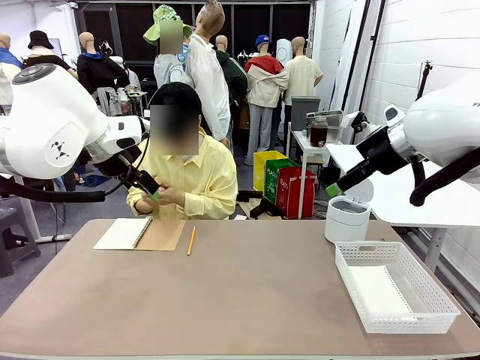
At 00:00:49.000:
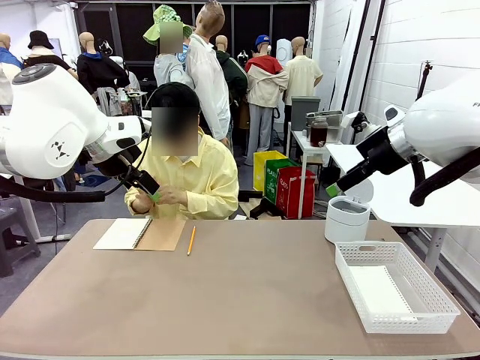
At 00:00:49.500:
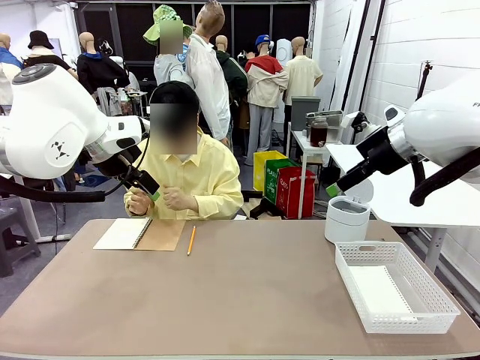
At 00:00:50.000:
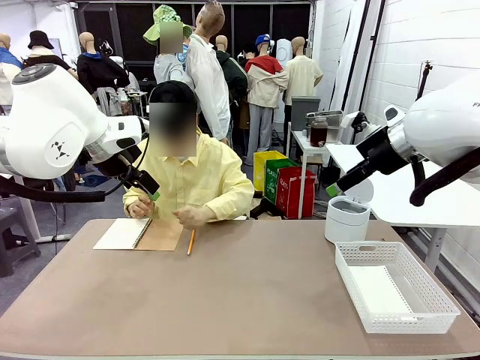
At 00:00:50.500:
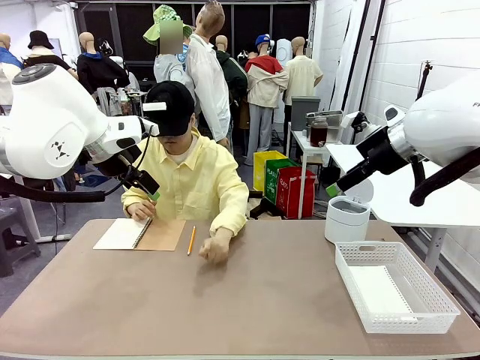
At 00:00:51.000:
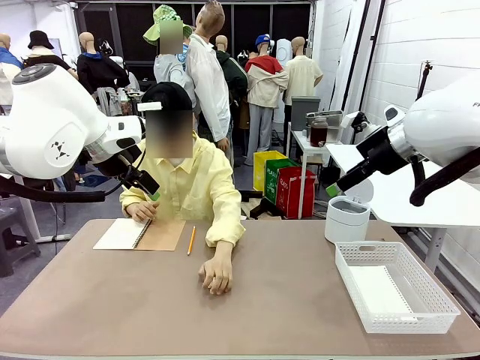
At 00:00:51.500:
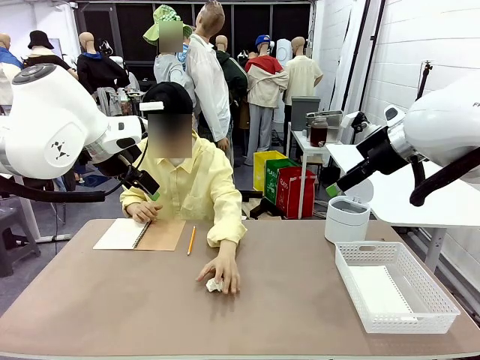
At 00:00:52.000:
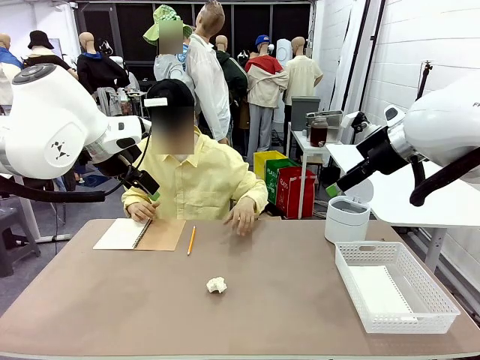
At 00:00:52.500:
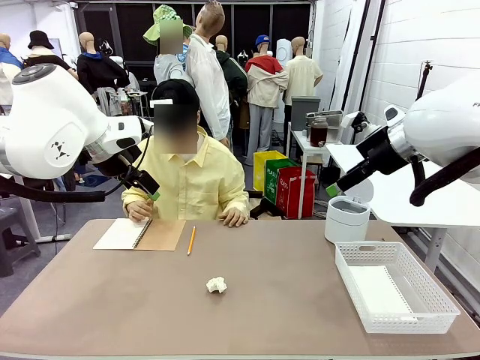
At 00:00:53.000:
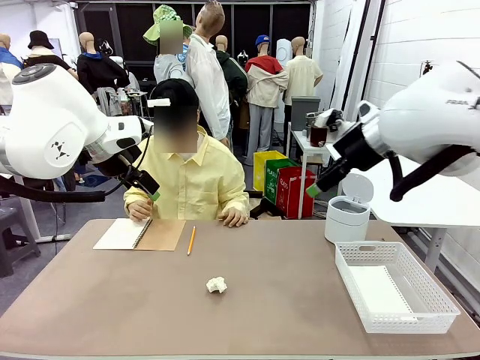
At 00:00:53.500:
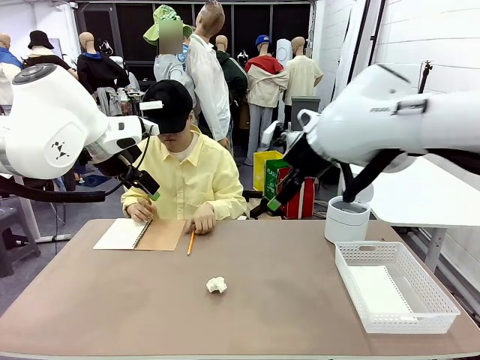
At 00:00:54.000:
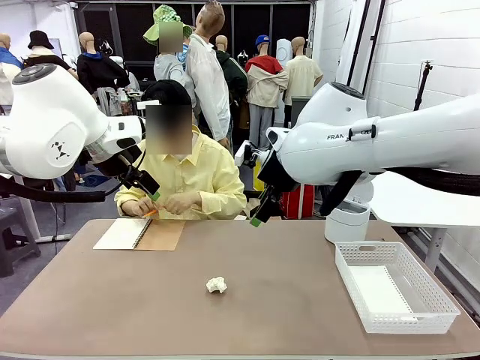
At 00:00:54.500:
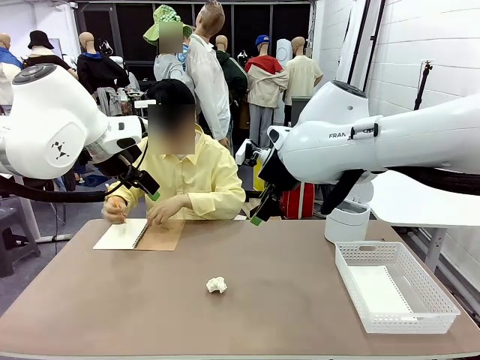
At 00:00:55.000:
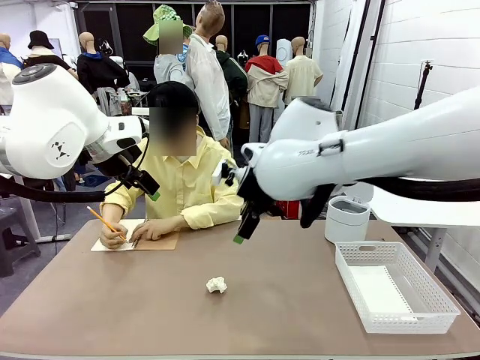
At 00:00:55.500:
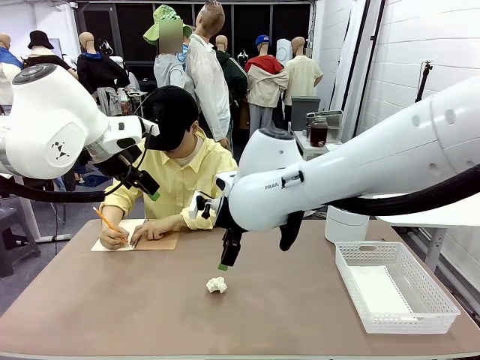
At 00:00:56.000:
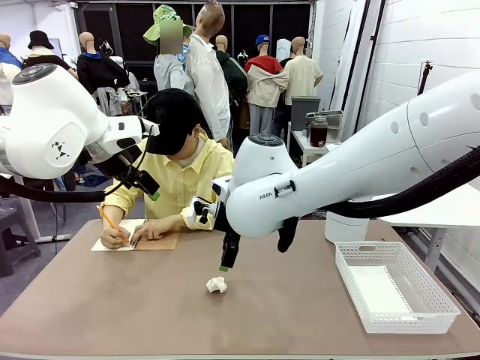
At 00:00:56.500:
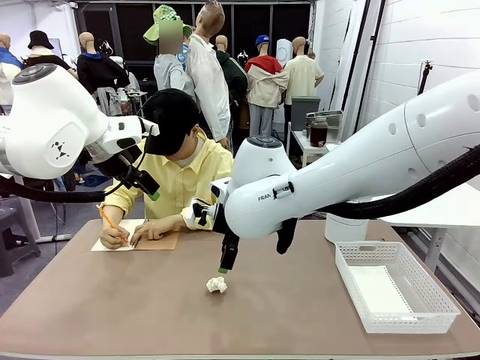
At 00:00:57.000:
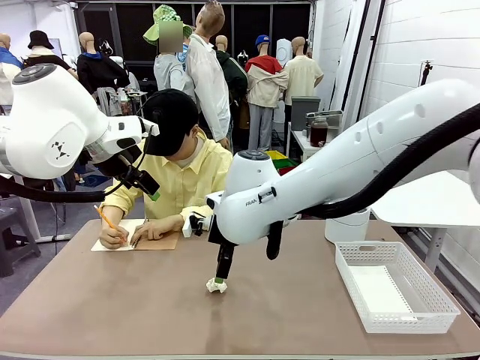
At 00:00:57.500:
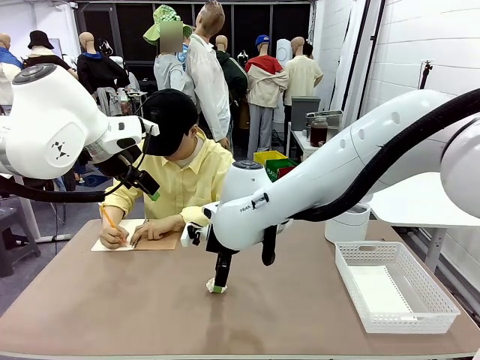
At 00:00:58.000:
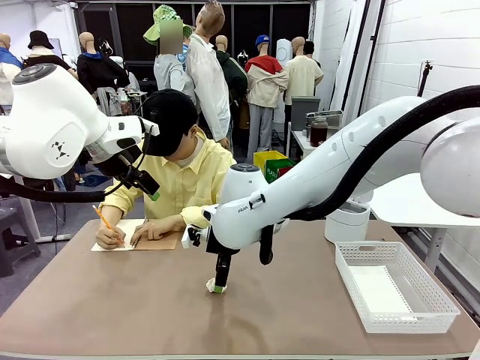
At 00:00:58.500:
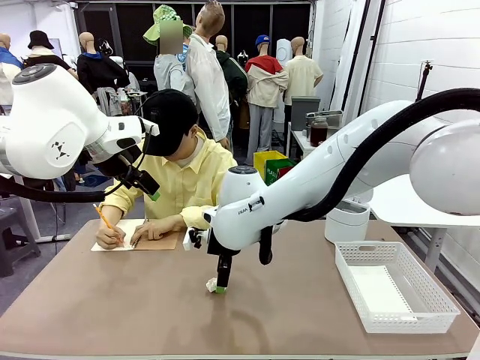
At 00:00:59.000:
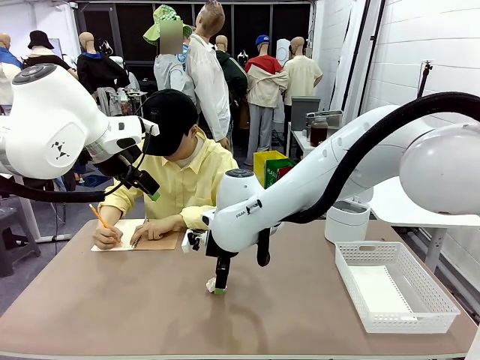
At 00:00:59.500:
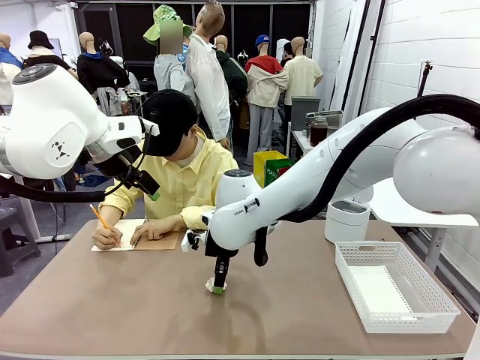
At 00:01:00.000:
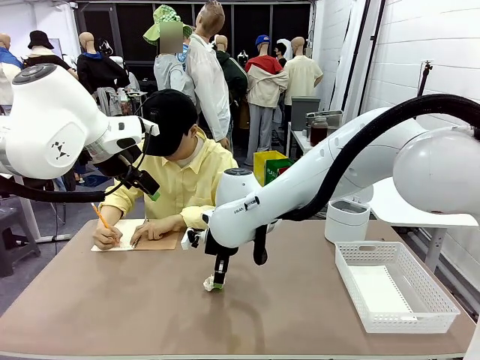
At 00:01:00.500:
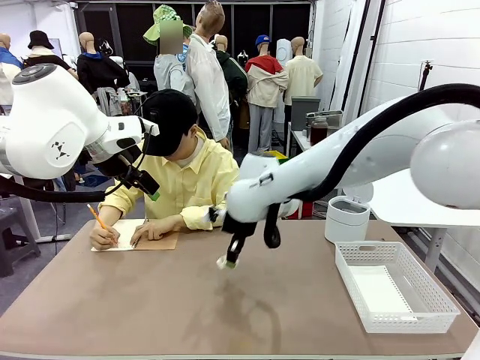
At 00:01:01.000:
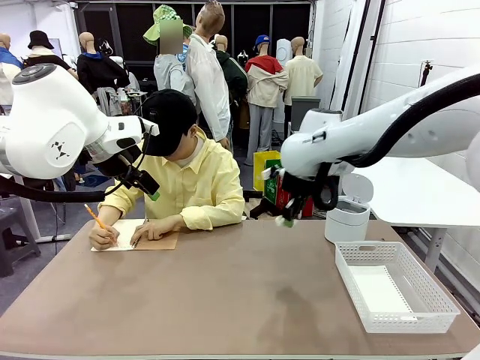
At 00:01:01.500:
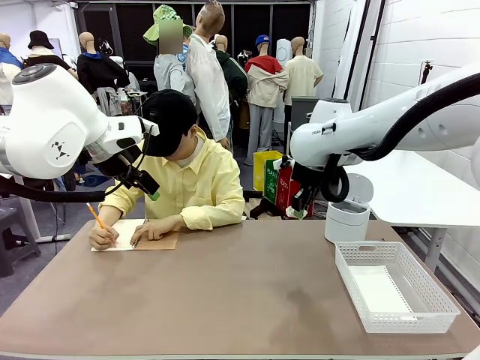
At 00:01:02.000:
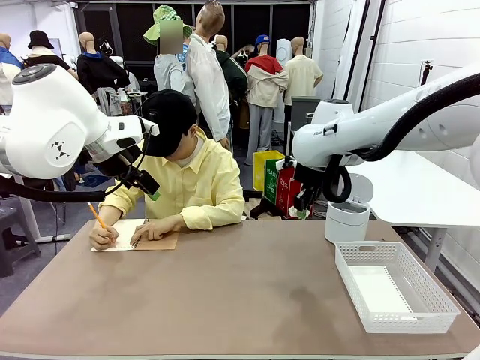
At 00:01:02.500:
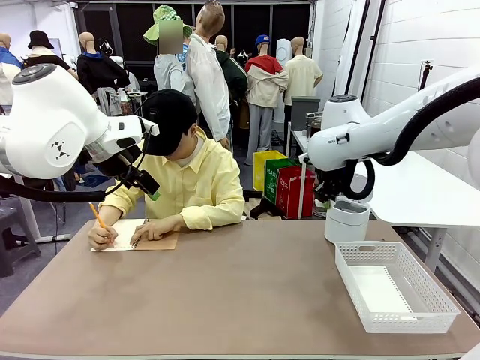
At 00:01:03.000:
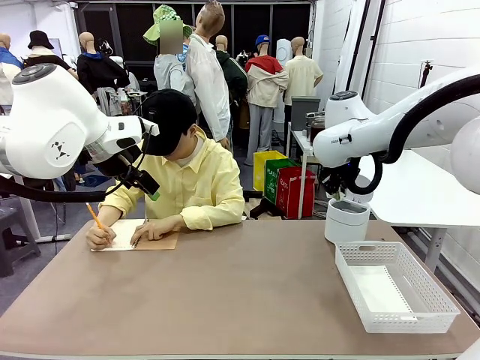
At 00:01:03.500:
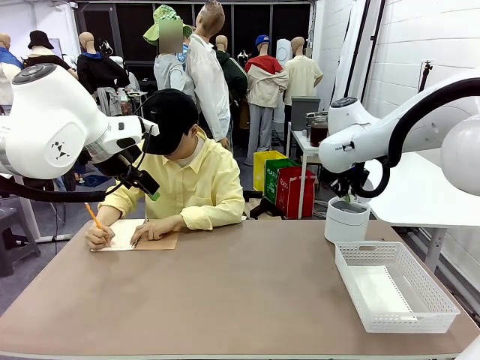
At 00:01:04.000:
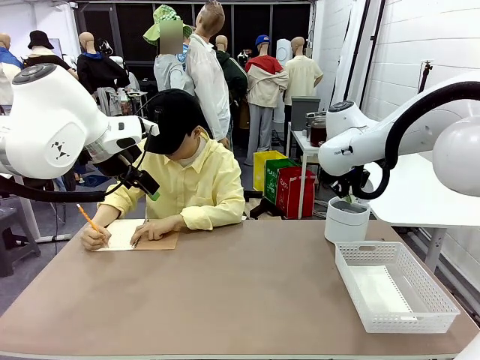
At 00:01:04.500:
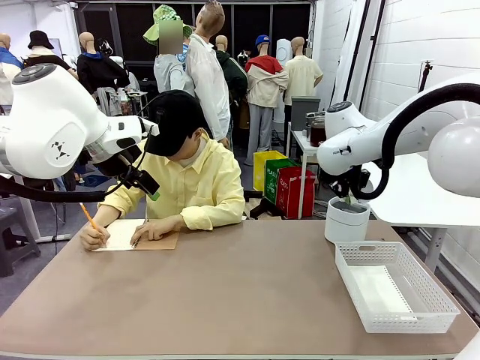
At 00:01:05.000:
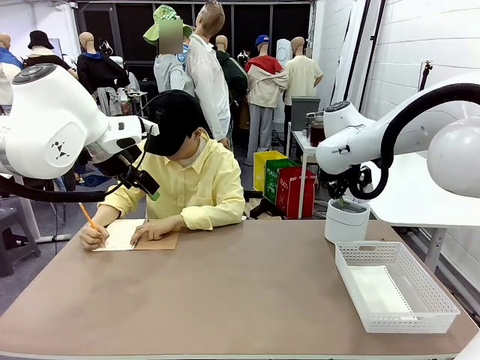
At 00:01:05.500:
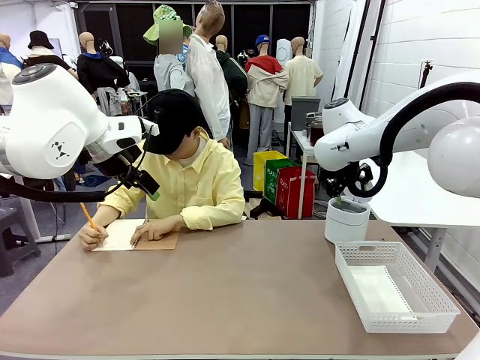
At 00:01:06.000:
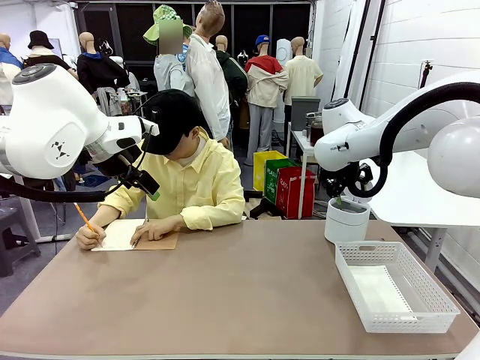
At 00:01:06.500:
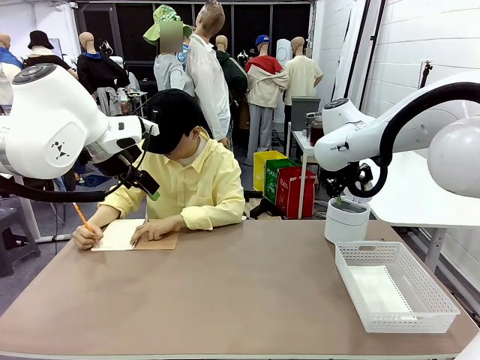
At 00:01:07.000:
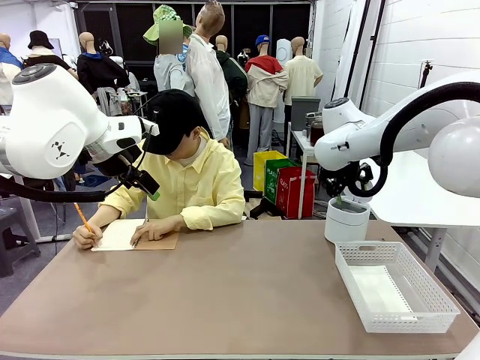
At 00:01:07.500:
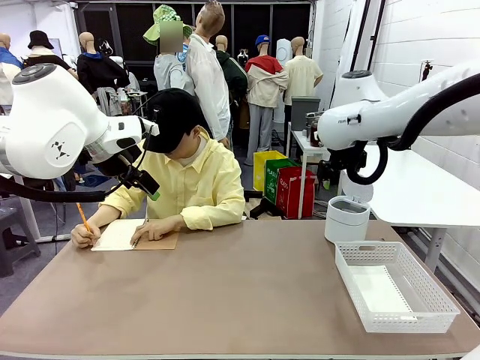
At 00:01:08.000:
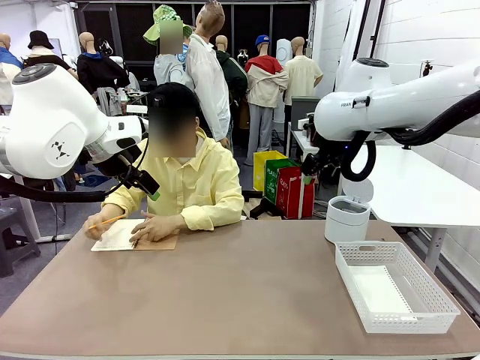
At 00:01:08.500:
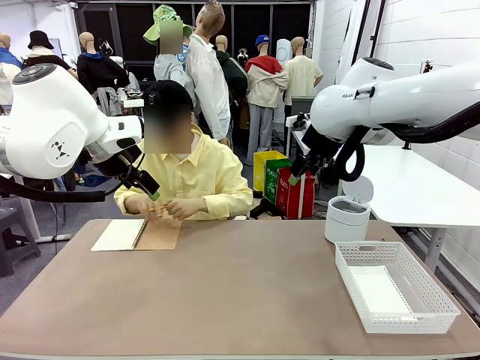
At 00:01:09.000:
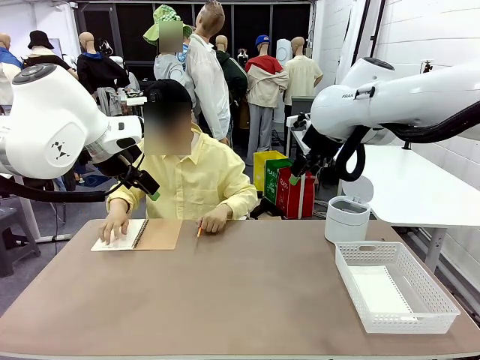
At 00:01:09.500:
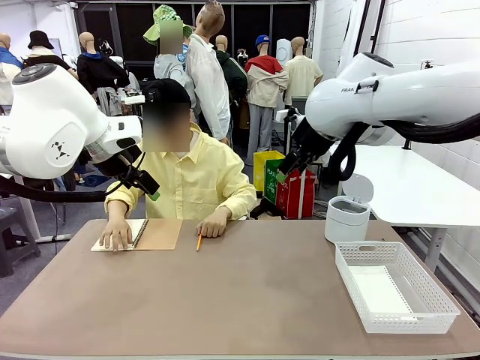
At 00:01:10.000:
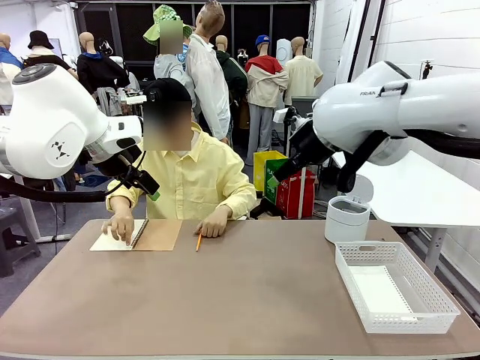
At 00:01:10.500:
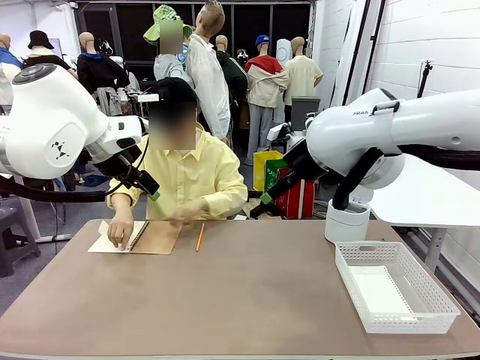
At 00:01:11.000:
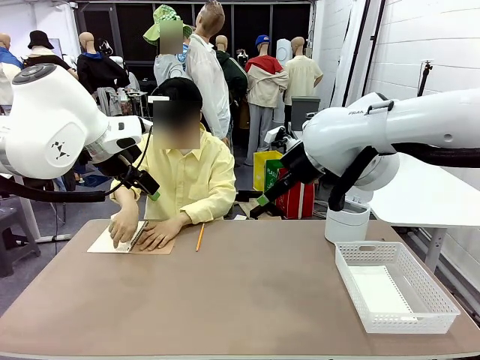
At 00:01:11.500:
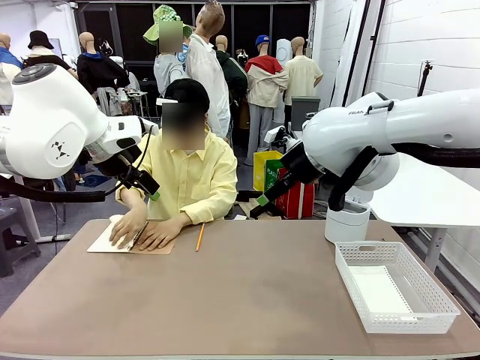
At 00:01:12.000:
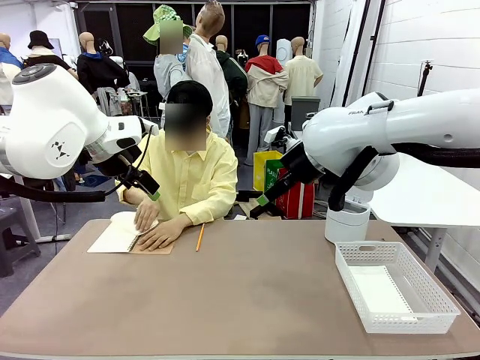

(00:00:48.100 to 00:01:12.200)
Task: Sort the paper based on its condition.
Robot: If a person hands you a paper, place it in the Organizing basket , and if it's crumpled, put it in the Trash can.
Person: Hand the torn page to the robot or crumple it and throw it to the center of the table. Tear out a page from the spiral notebook.

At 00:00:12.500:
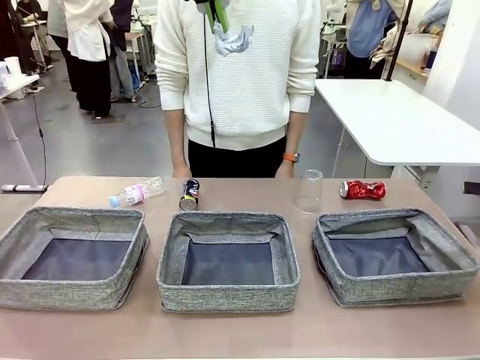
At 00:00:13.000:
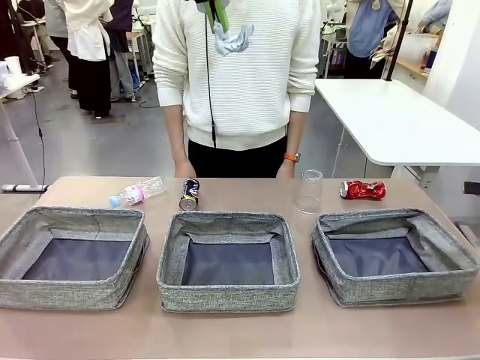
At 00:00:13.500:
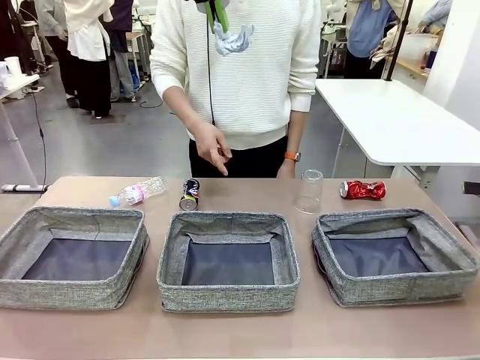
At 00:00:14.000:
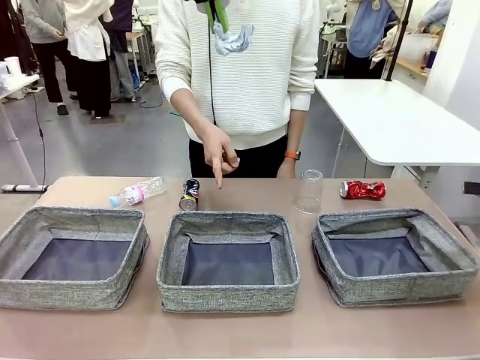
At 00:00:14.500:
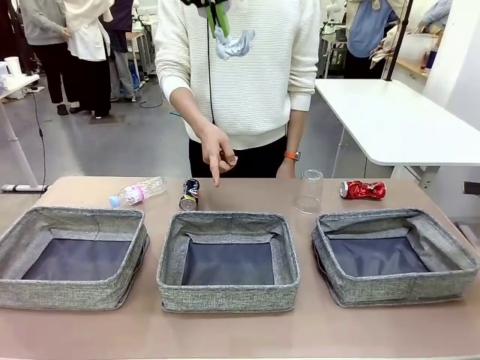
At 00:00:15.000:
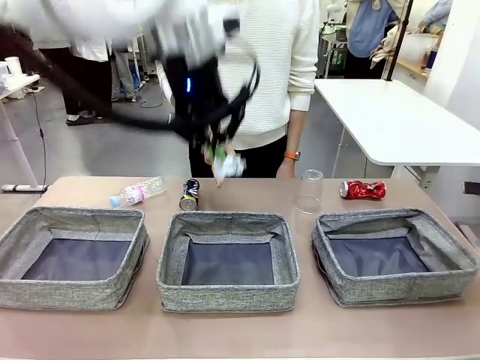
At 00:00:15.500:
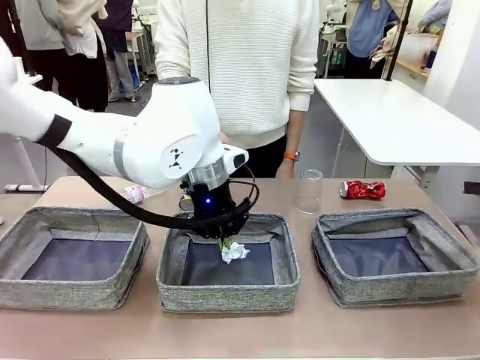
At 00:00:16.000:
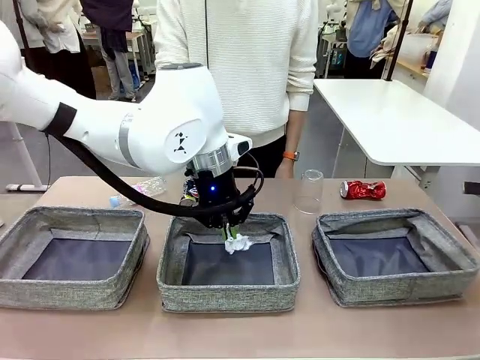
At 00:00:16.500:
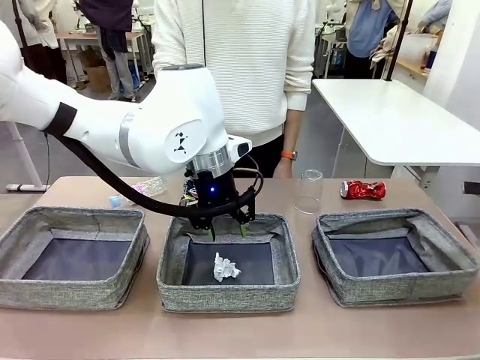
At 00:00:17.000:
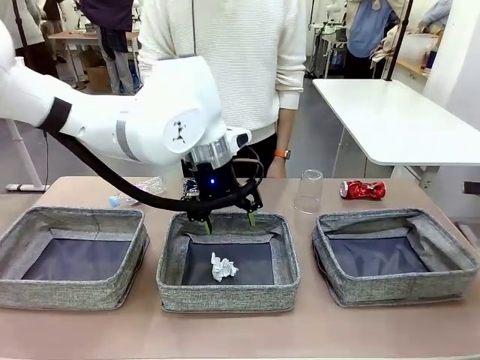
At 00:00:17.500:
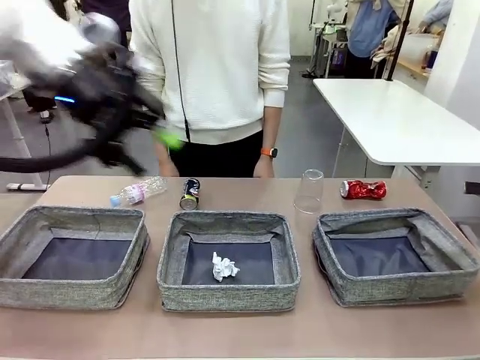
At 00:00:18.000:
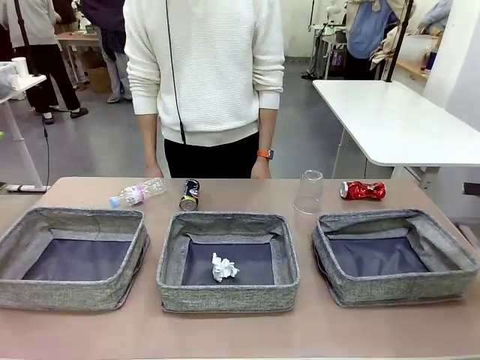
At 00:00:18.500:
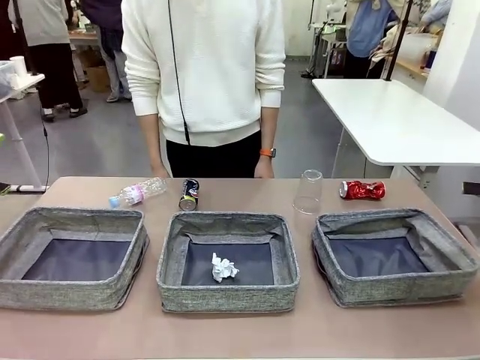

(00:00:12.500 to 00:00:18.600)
Task: Sort the waste into the appropriate baskets.
Robot: Place the picked waste into the Fabric basket indicated by the person.
Person: Instructs the robot to place the picked-up trash into the appropriate organizing basket.
